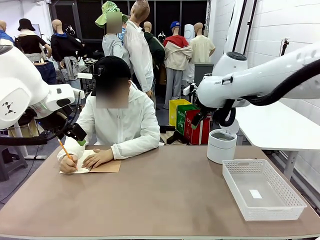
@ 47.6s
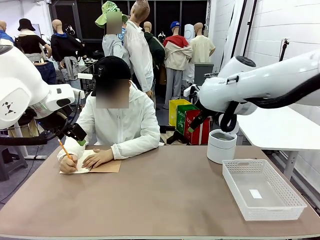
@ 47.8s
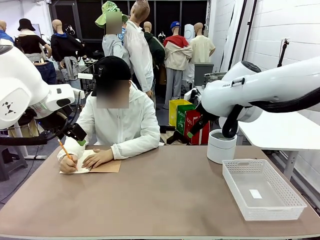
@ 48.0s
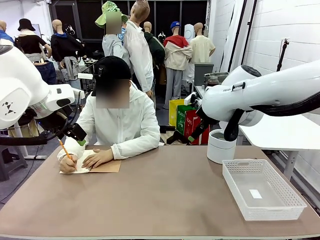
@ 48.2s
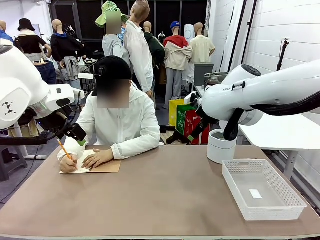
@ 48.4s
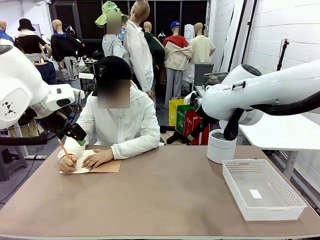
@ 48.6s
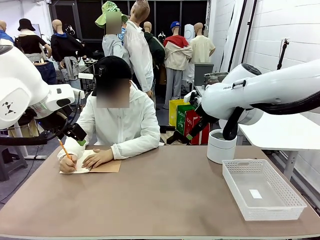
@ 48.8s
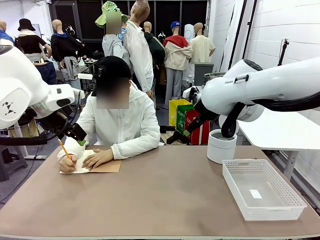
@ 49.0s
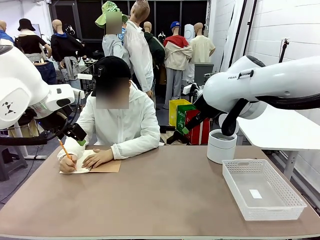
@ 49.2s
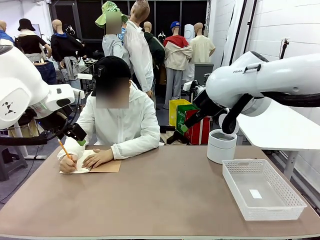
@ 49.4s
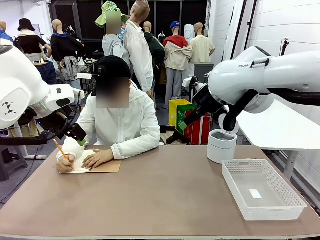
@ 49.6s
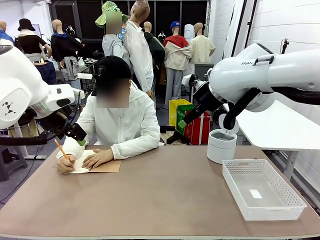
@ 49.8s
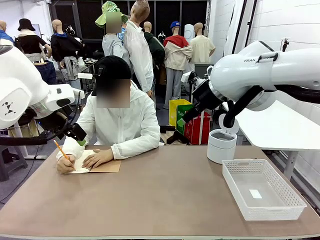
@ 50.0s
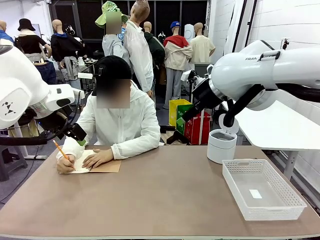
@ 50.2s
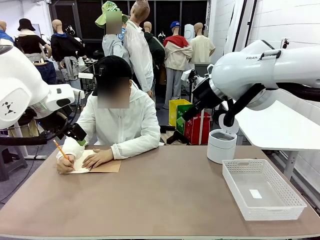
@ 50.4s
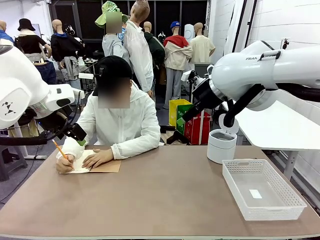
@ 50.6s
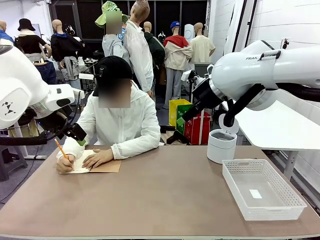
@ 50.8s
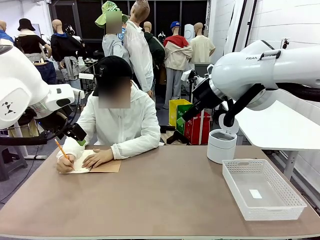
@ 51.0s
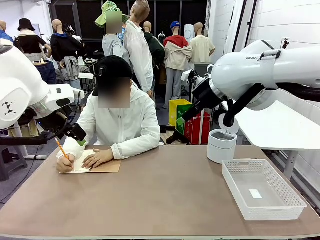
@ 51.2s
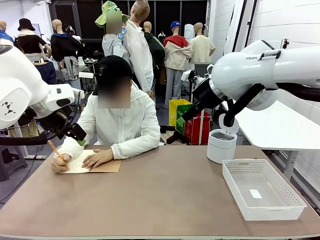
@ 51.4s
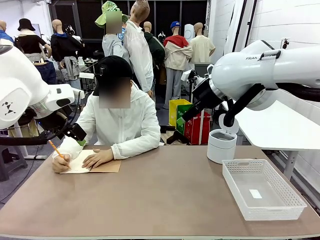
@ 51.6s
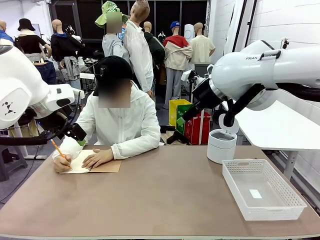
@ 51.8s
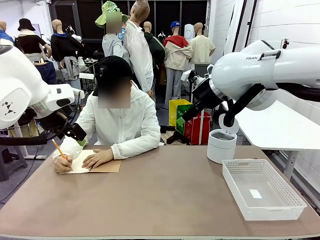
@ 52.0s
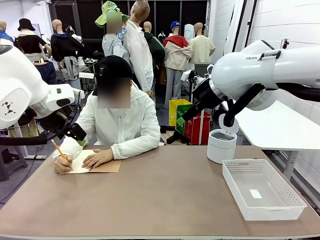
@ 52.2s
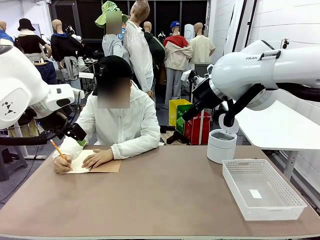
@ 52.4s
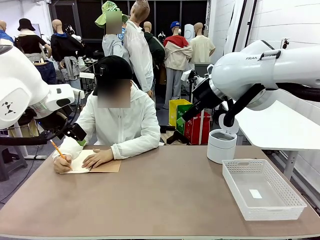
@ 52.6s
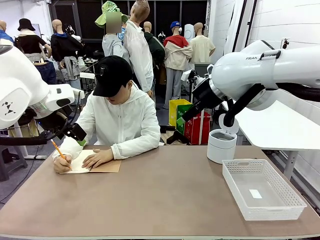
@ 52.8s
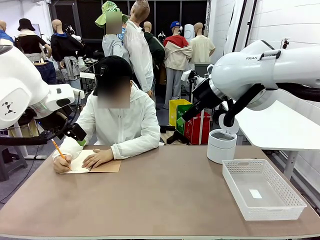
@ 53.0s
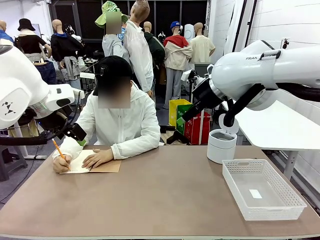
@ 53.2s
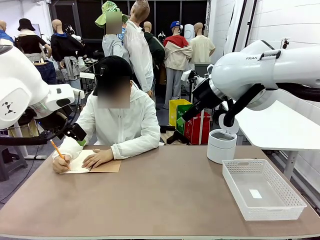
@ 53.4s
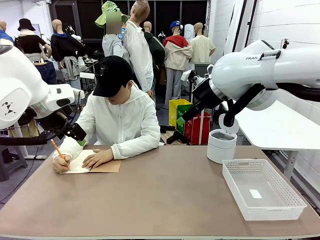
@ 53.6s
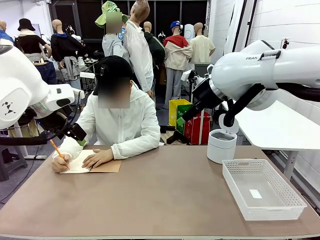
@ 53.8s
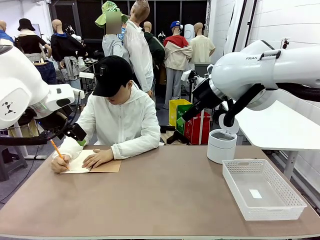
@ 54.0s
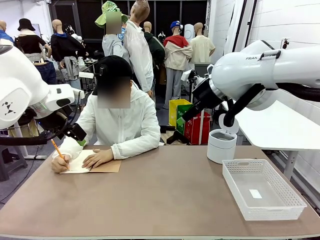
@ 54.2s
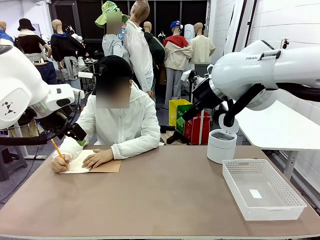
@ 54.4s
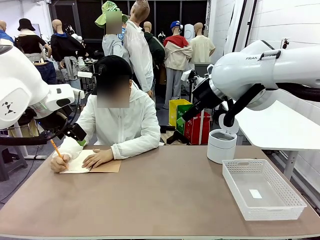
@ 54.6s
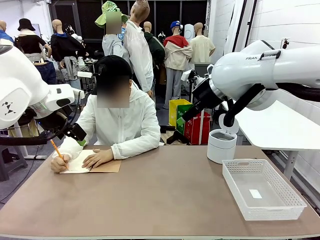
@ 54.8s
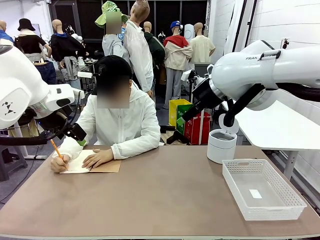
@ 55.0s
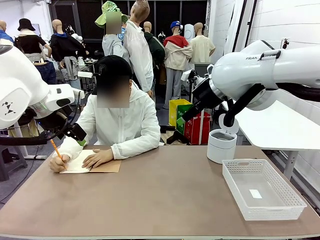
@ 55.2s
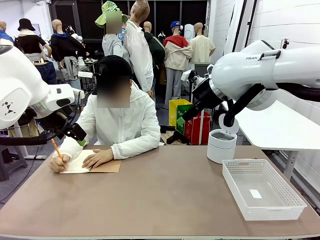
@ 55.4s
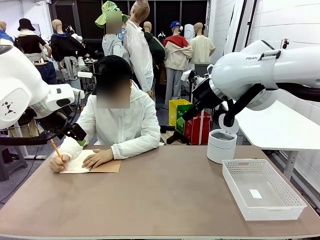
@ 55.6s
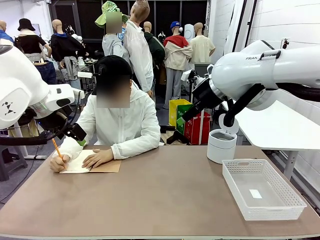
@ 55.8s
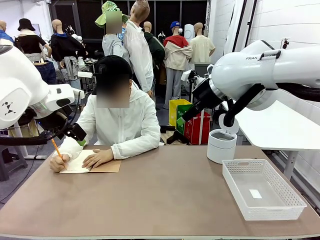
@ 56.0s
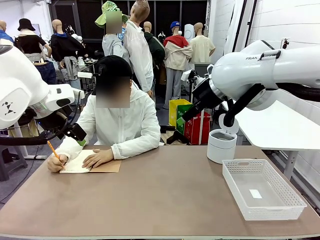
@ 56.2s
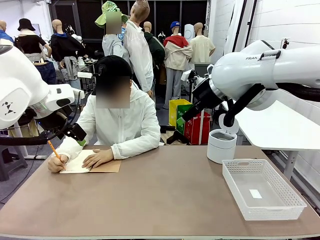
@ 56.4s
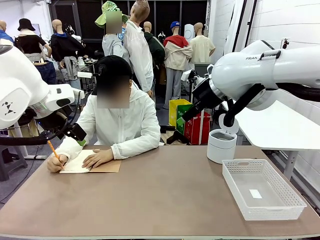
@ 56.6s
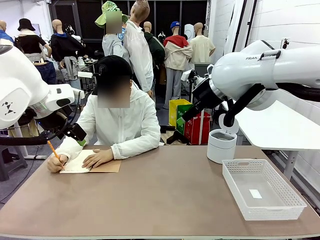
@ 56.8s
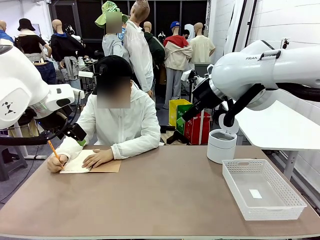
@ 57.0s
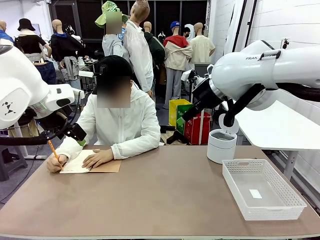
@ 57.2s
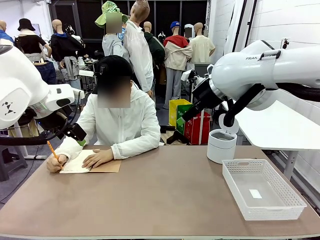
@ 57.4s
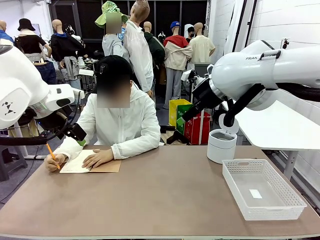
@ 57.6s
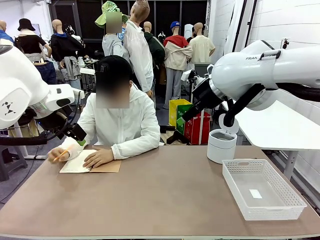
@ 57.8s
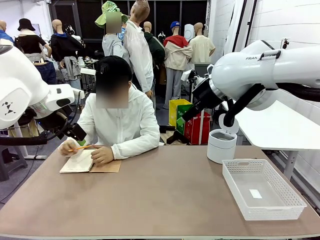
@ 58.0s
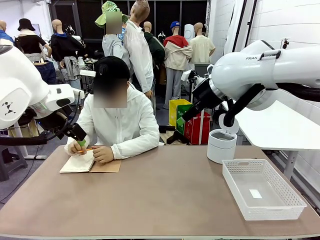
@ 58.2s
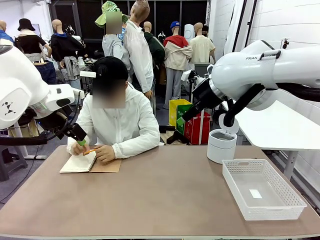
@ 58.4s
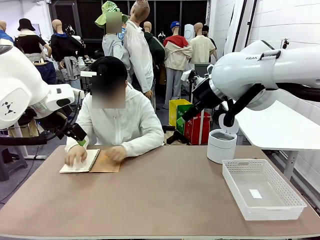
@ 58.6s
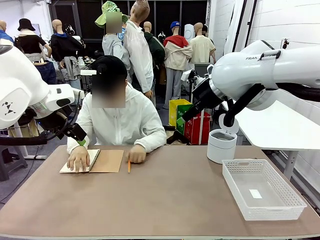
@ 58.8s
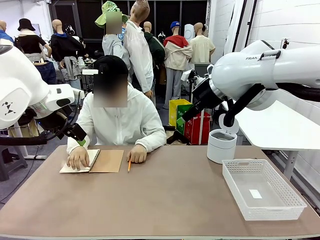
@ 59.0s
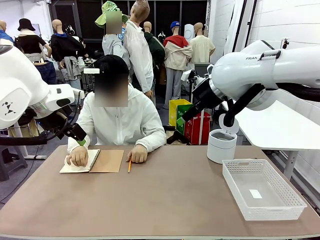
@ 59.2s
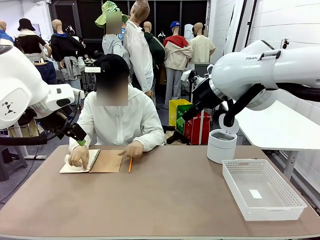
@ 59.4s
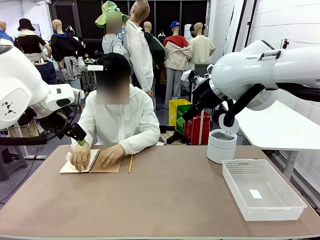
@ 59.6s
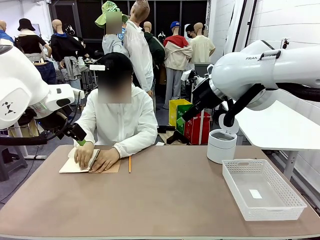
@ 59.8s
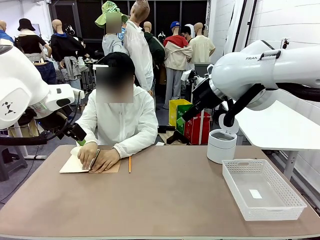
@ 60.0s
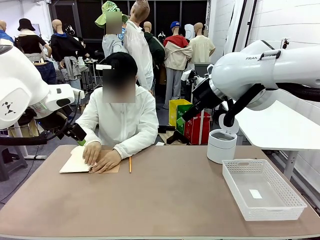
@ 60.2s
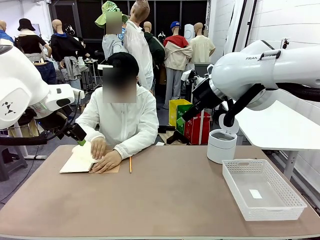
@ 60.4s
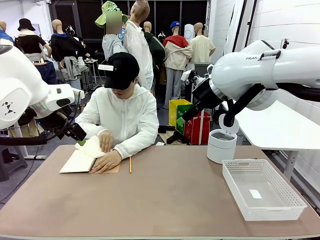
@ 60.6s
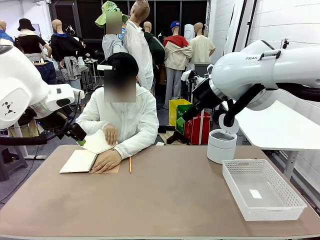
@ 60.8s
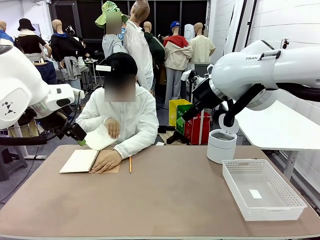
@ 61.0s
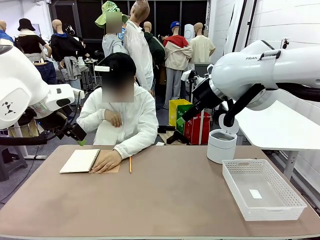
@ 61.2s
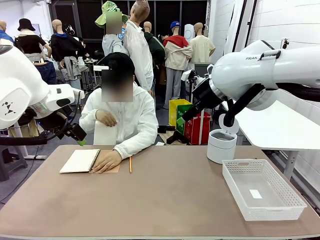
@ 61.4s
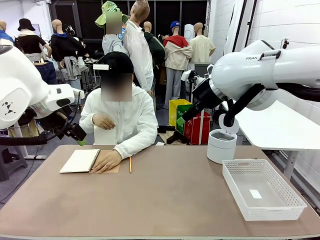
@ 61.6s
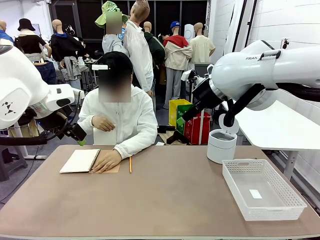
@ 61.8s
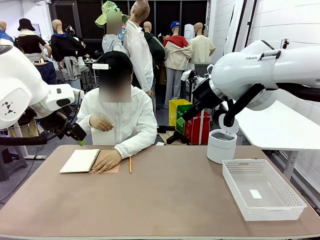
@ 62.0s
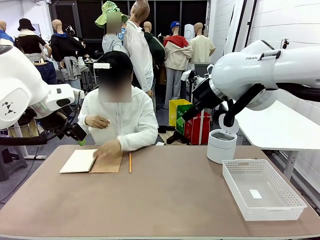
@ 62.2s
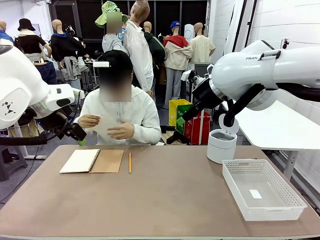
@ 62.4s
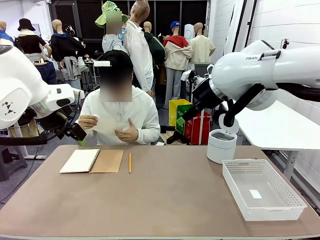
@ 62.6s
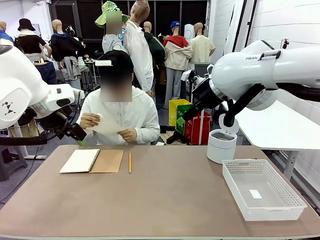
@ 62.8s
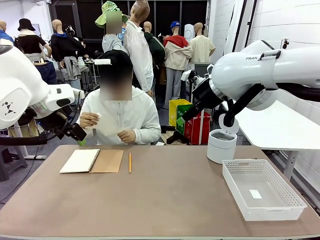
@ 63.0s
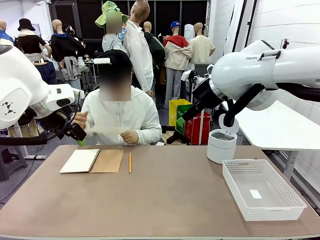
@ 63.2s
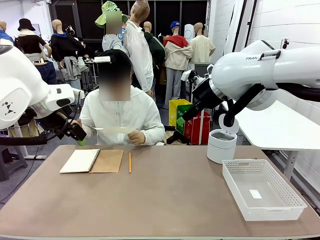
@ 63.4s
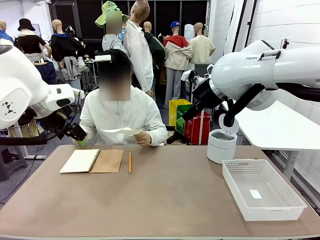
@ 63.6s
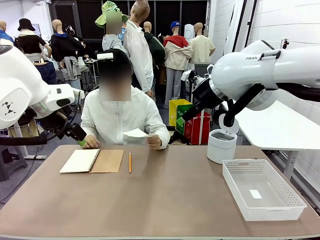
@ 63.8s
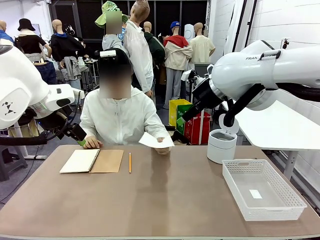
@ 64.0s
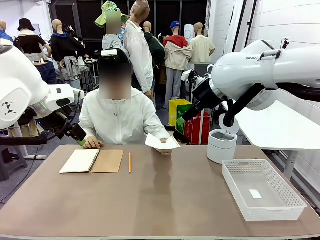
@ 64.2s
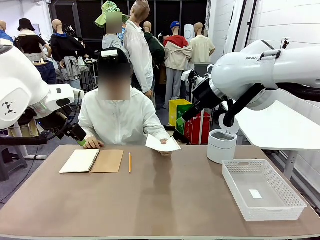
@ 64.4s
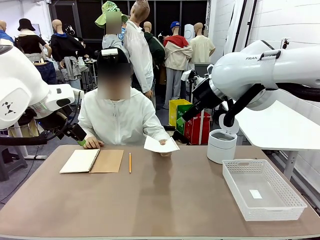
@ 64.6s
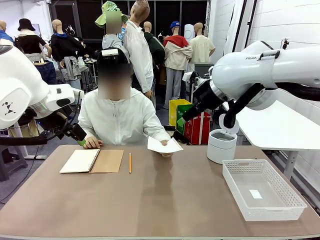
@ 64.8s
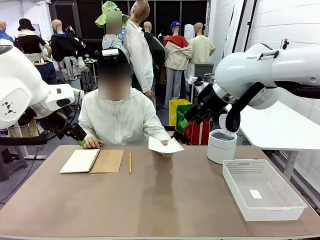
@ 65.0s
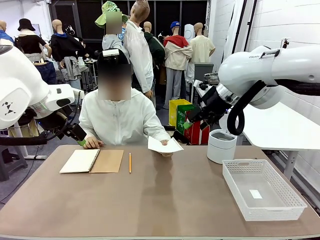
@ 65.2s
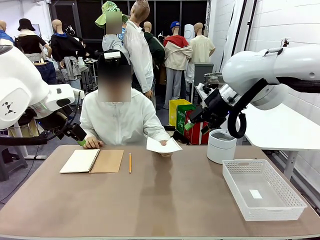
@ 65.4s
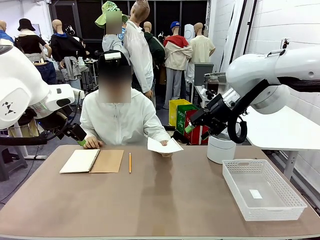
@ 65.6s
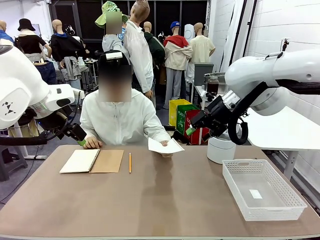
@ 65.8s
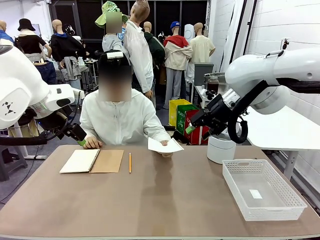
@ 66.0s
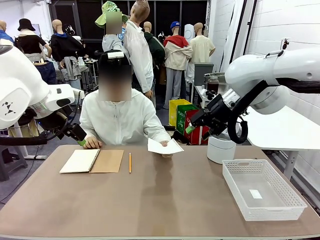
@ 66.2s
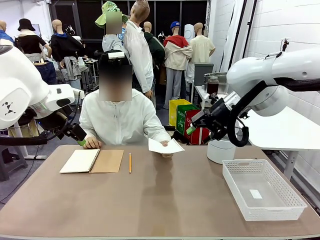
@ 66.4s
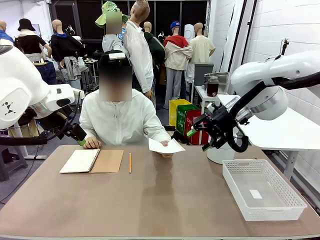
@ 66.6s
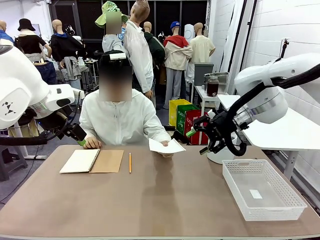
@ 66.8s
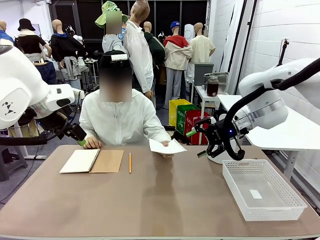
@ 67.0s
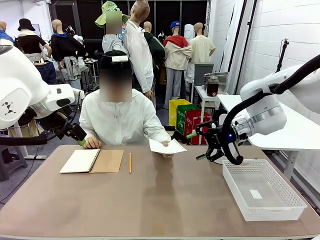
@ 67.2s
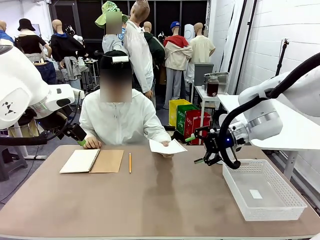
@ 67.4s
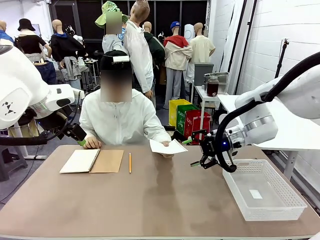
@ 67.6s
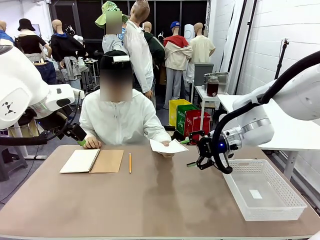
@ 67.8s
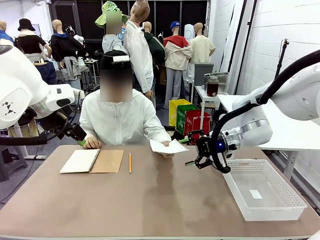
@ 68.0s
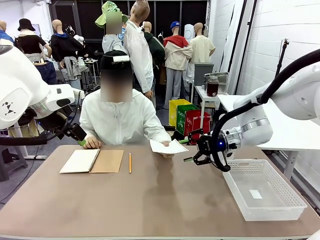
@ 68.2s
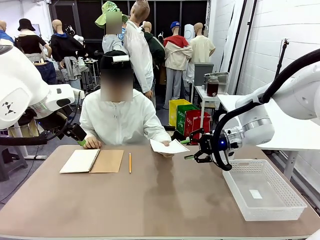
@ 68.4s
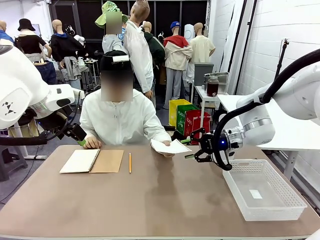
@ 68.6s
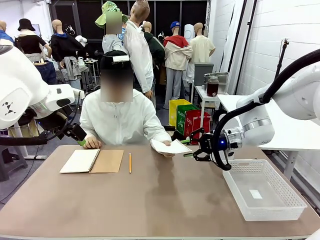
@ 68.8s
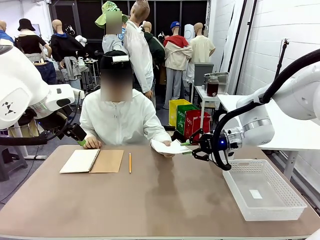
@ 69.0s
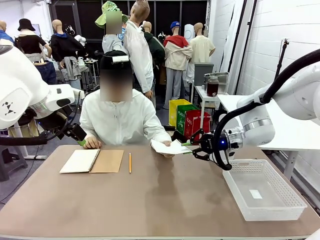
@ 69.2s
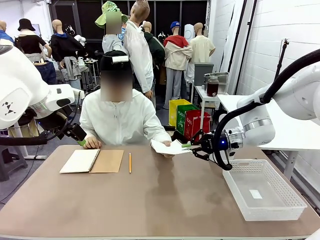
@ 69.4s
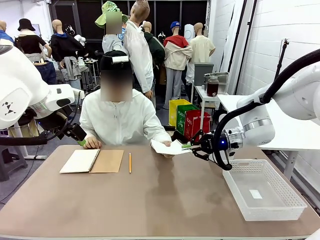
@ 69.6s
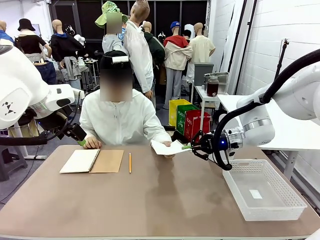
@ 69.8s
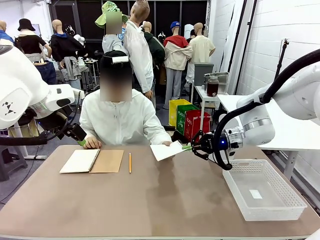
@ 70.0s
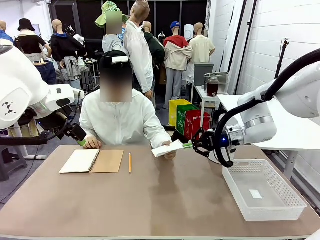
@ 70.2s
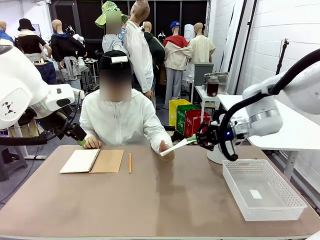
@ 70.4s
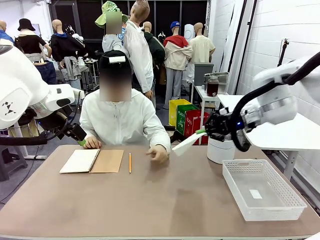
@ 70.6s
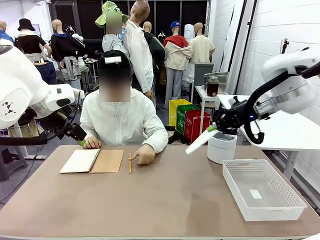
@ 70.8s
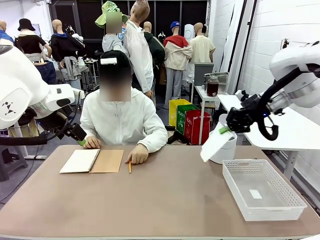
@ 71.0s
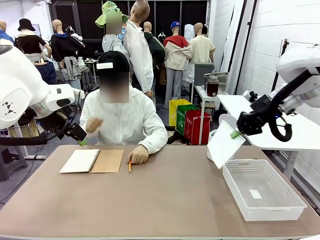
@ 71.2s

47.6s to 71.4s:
Task: Sort the paper based on its condition.
Robot: If a person hands you a paper, place it in the Organizing basket , and if it's crumpled, put it in the Trash can.
Person: Tear out a page from the spiral notebook. Hand the torn page to the robot or crumple it and throw it to the center of the table.
